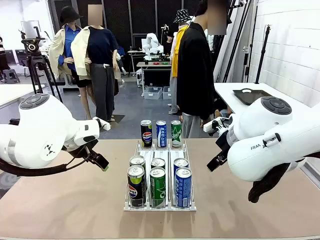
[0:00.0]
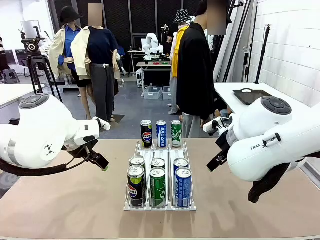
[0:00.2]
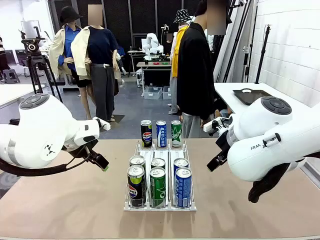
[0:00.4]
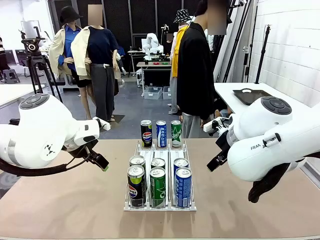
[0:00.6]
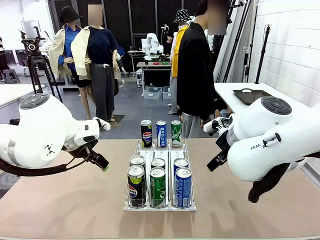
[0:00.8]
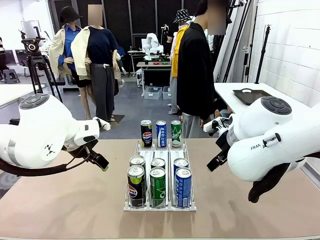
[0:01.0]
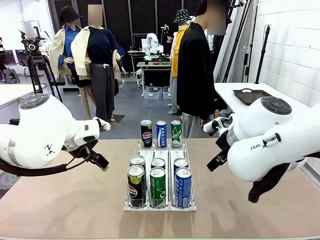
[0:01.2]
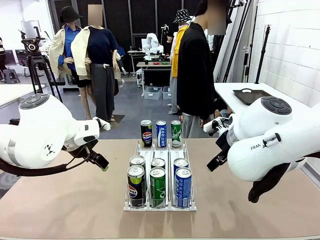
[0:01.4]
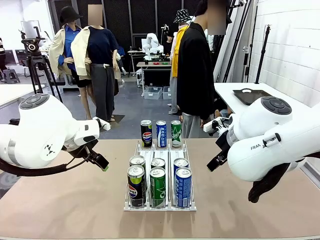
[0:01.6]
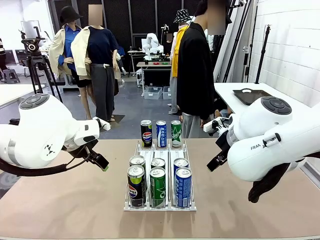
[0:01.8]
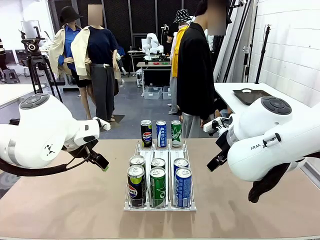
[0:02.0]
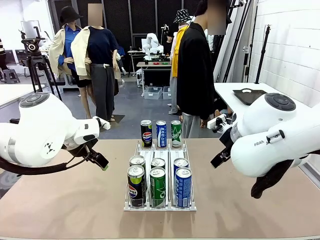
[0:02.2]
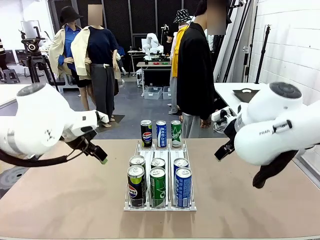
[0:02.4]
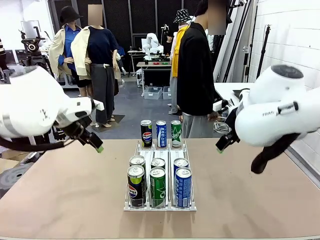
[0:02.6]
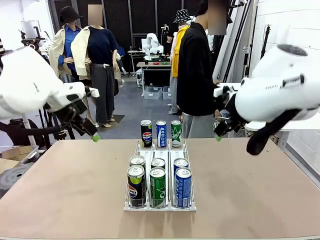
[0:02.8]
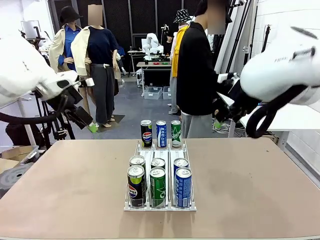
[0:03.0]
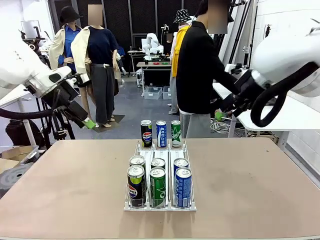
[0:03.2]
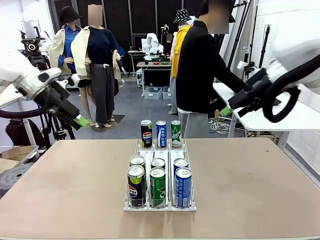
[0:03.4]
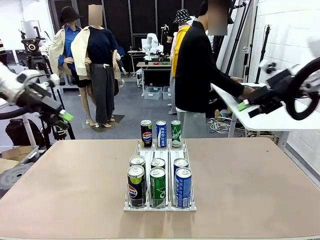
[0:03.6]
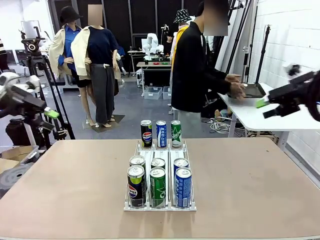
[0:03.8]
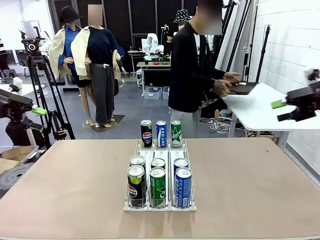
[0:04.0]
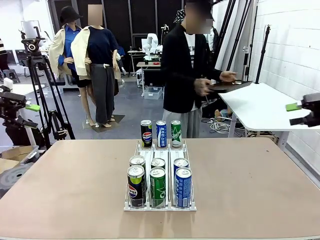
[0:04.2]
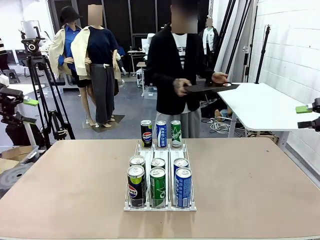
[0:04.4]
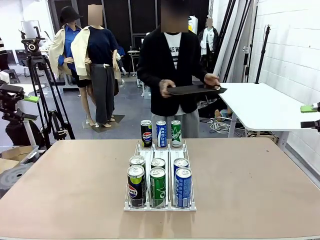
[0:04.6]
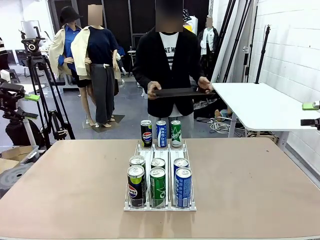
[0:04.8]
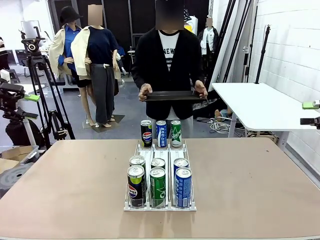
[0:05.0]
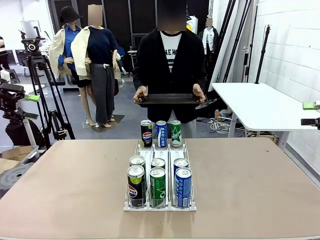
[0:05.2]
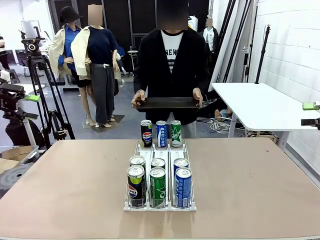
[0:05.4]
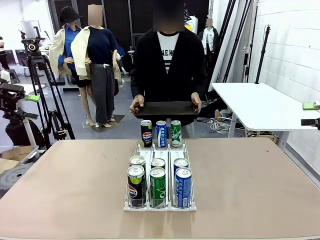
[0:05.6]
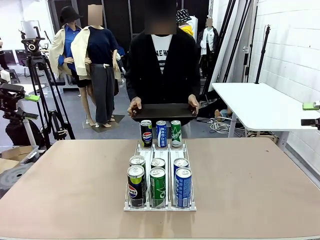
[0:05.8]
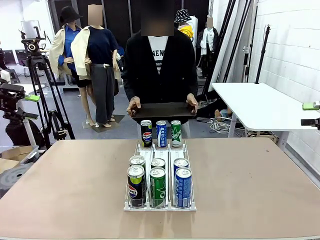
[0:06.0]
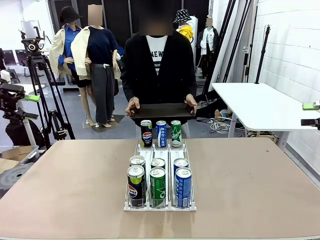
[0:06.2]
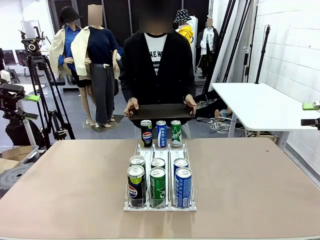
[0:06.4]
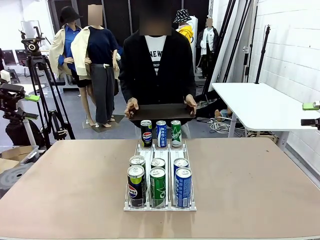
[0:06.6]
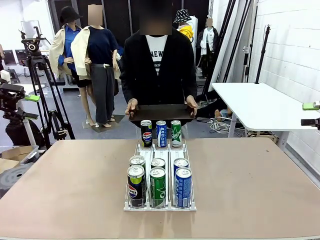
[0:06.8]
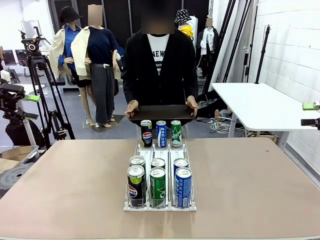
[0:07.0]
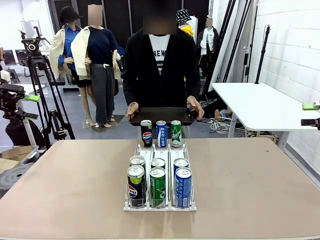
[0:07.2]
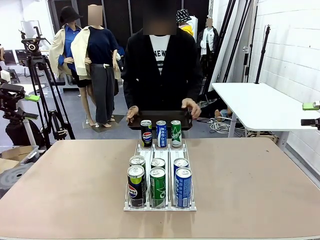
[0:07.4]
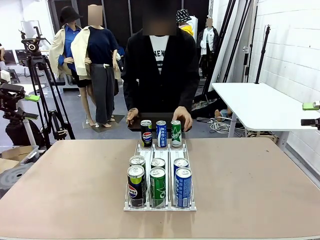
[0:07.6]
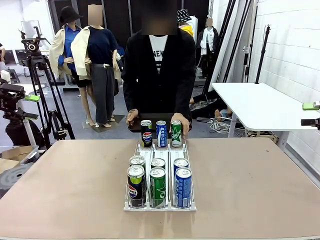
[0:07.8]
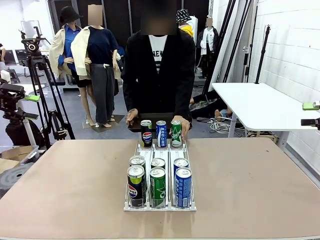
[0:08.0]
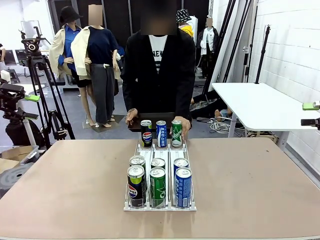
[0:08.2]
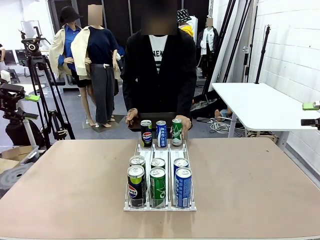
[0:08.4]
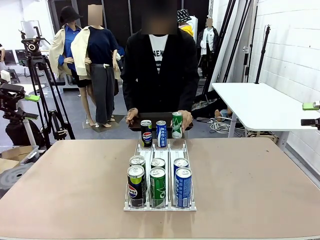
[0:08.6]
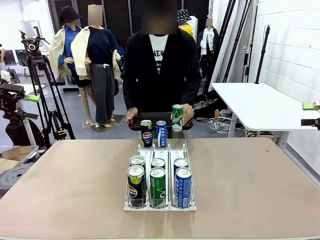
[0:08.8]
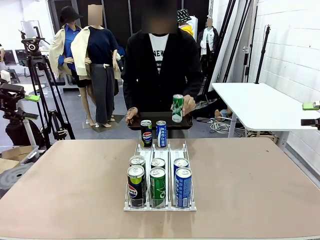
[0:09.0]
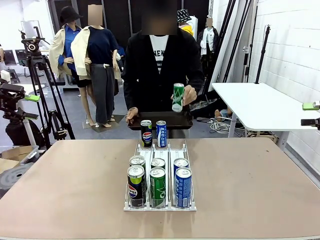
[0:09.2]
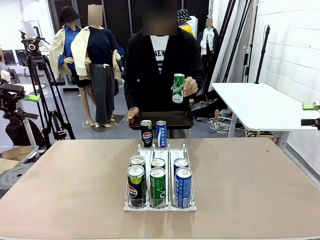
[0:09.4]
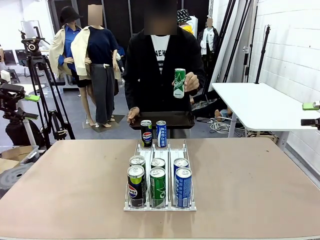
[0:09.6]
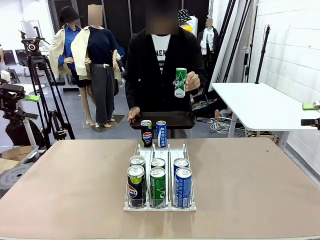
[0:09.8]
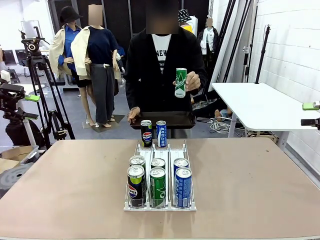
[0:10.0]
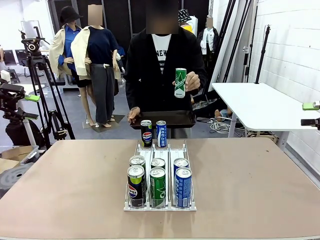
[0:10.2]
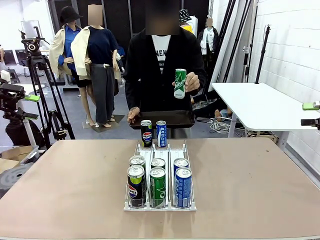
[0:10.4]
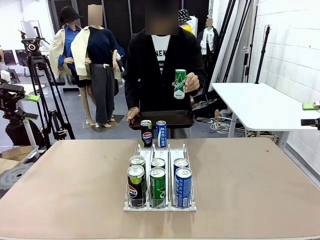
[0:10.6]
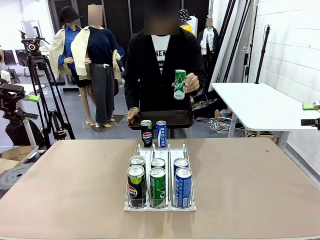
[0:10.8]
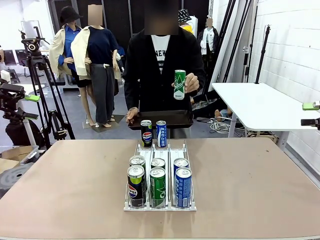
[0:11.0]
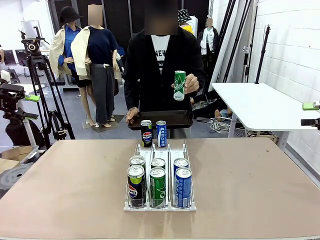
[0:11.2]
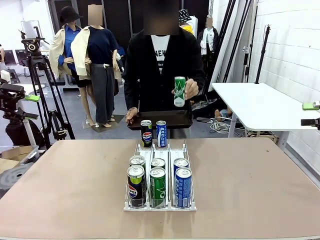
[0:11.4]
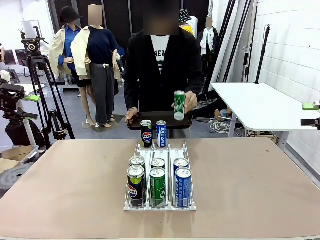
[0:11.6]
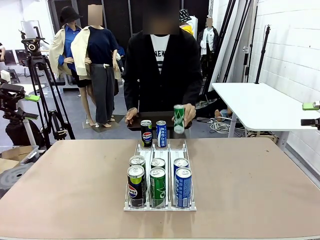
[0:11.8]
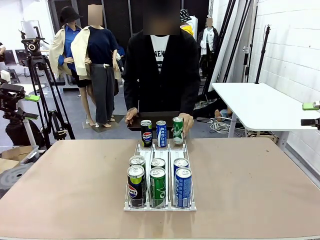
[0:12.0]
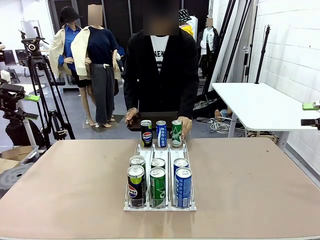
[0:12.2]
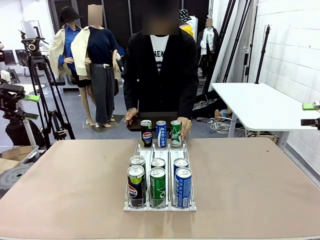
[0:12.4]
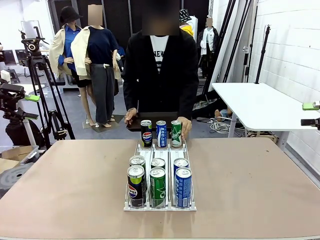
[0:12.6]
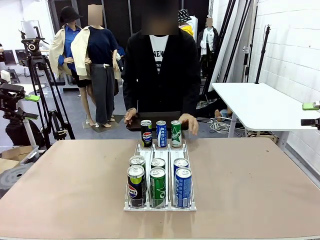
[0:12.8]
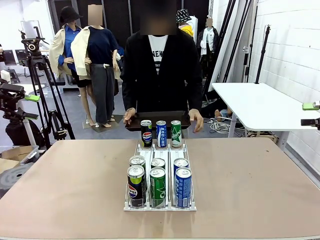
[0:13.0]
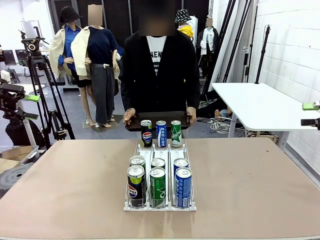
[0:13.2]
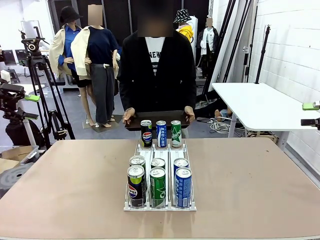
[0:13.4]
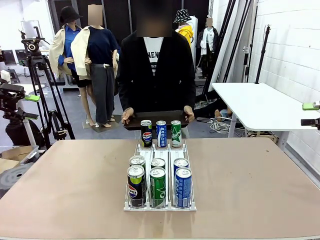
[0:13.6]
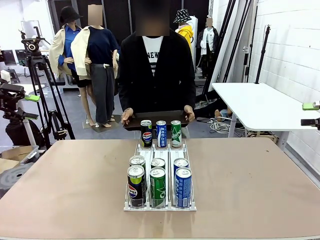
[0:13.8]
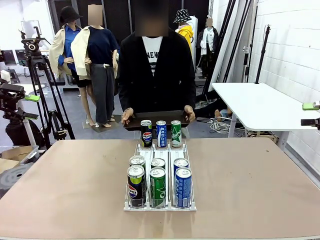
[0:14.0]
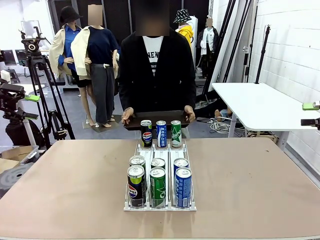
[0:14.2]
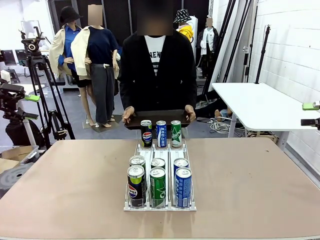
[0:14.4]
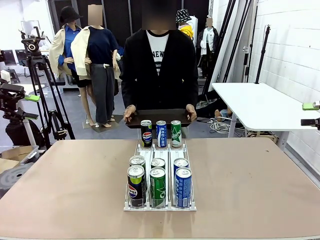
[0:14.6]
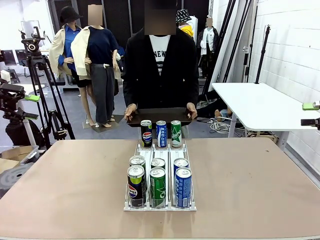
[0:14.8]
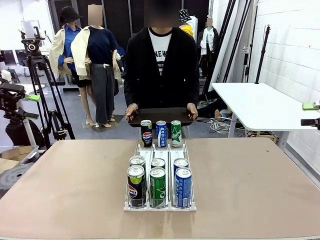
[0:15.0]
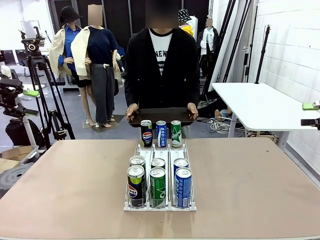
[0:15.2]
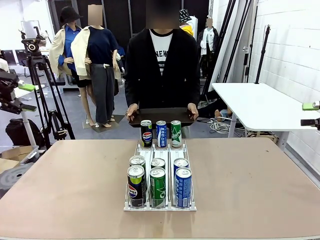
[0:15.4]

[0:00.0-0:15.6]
Task: Retrieve and hand over the desired beverage to the person.
Robot: Pick up a can of the same type that the person held from the Automatic Can Dispenser.
Person: Hold the tray and position yourself in front of the robot table. Pick up one can from the bottom area of the table and puts it back in its original place.
